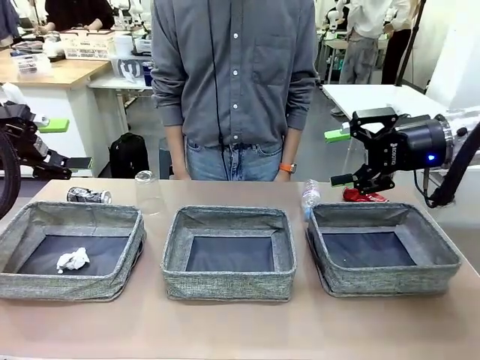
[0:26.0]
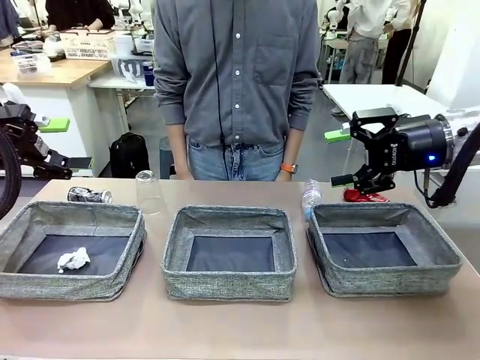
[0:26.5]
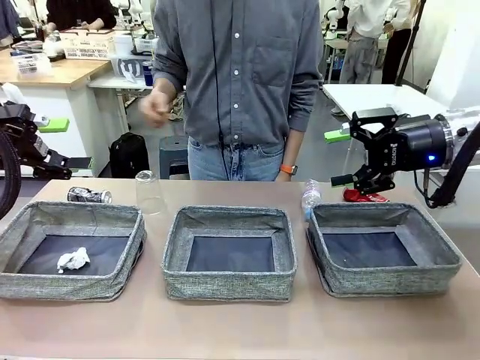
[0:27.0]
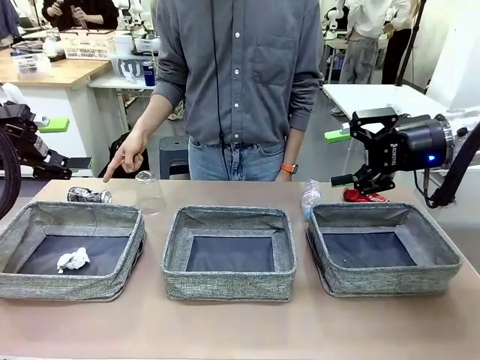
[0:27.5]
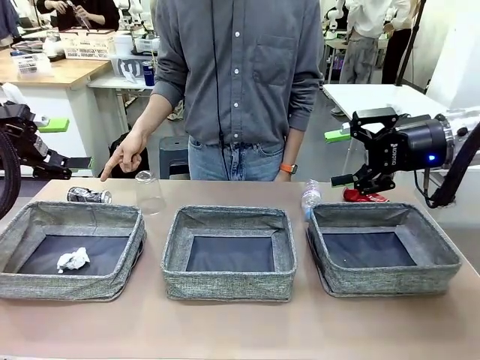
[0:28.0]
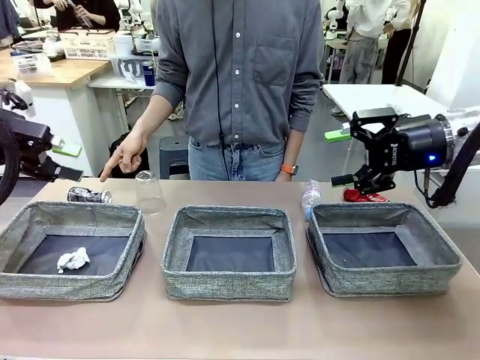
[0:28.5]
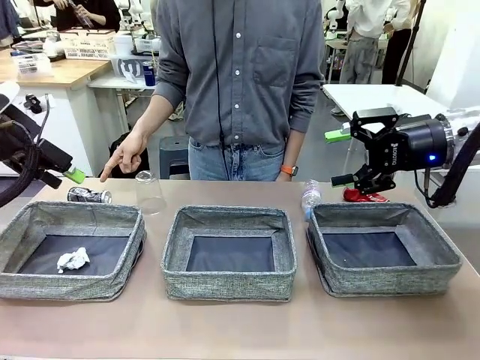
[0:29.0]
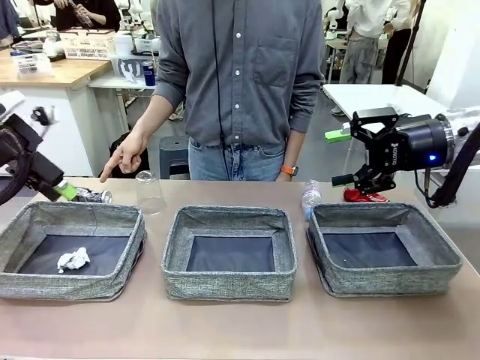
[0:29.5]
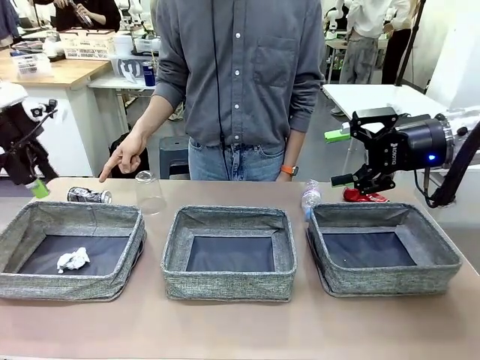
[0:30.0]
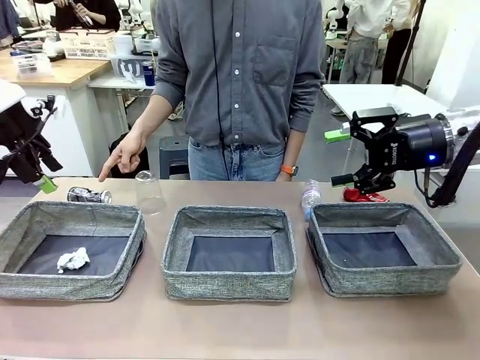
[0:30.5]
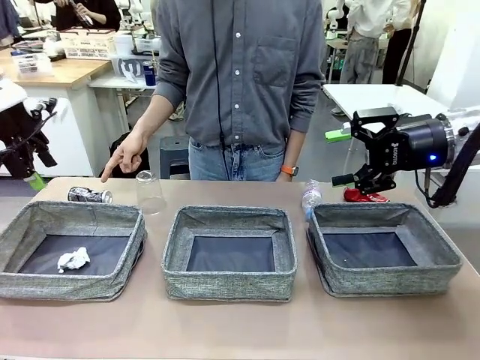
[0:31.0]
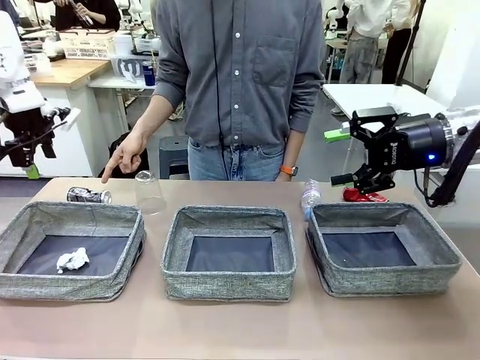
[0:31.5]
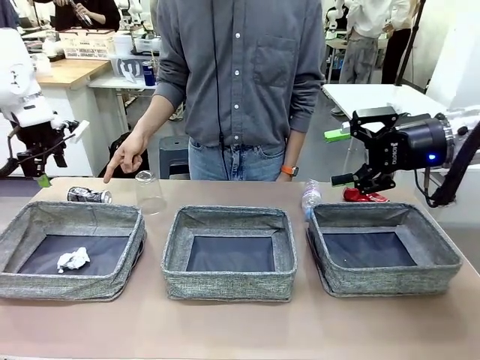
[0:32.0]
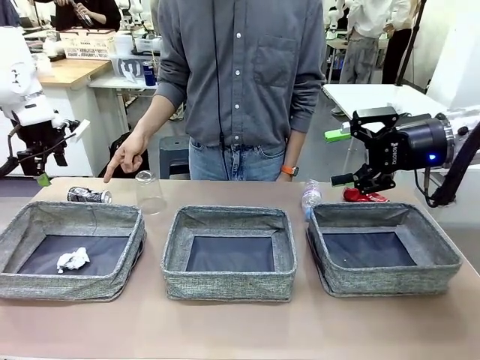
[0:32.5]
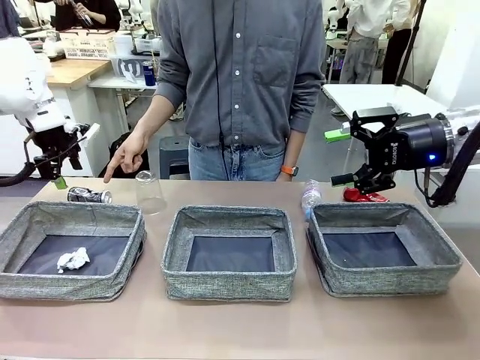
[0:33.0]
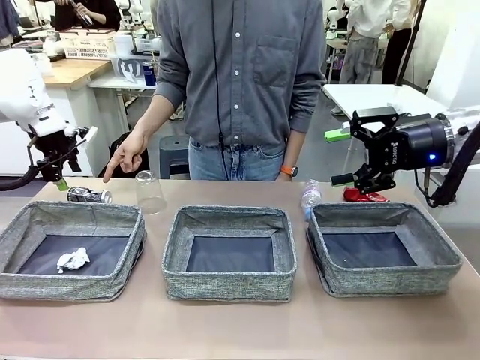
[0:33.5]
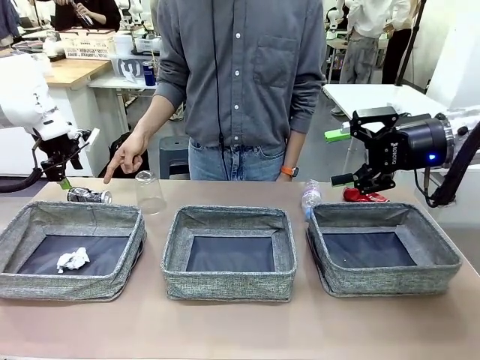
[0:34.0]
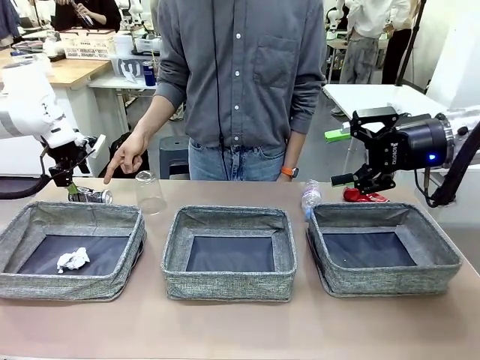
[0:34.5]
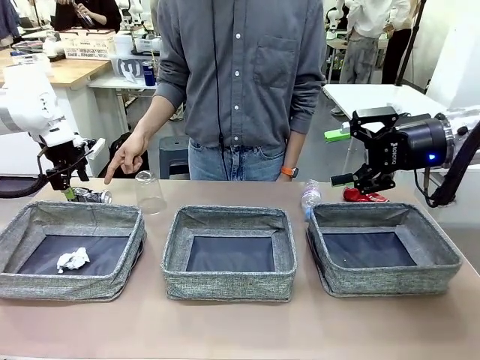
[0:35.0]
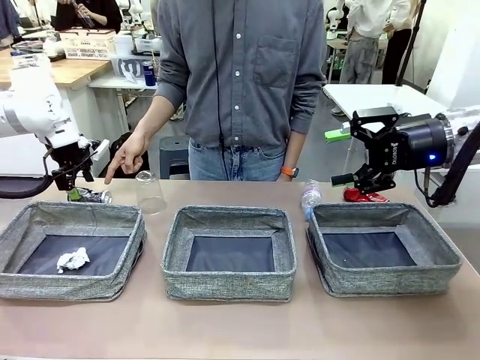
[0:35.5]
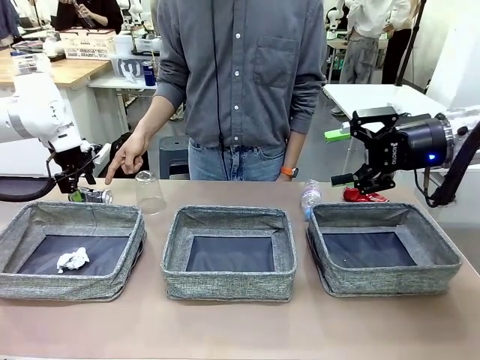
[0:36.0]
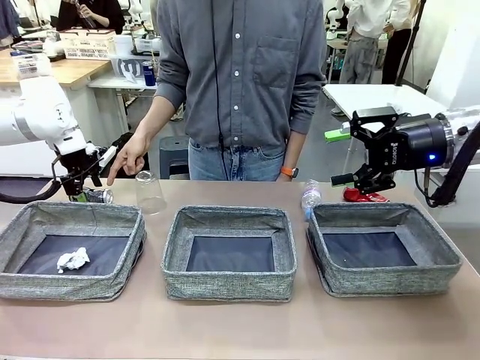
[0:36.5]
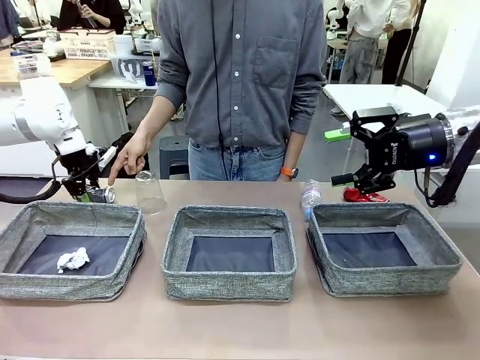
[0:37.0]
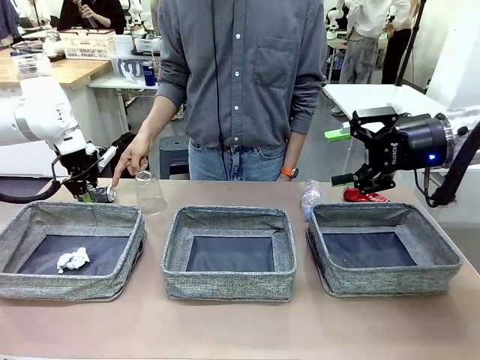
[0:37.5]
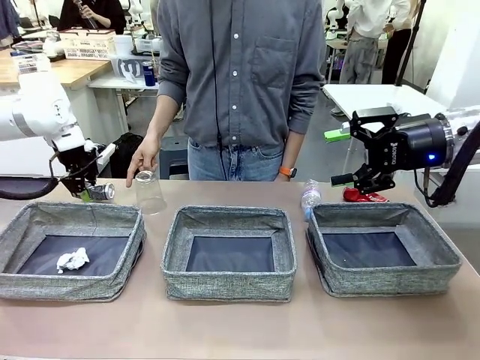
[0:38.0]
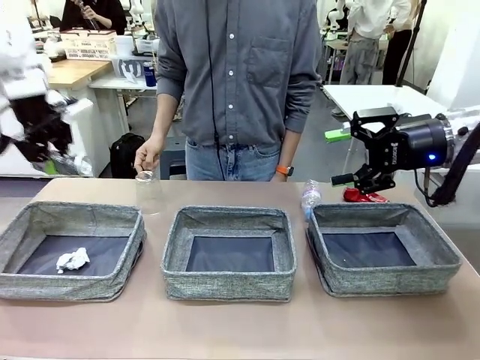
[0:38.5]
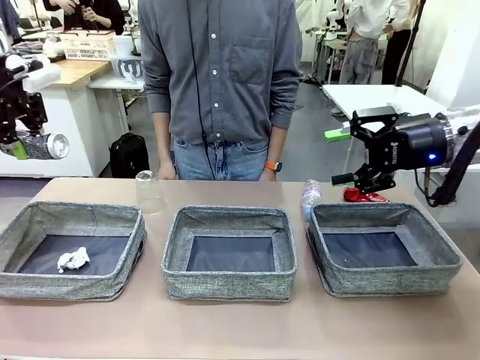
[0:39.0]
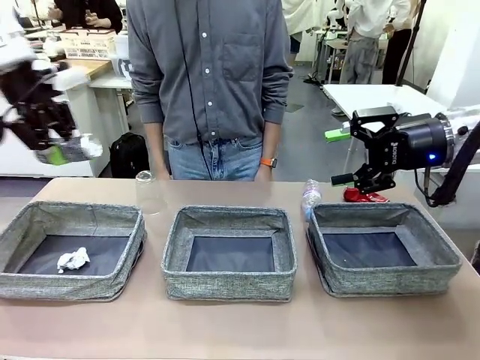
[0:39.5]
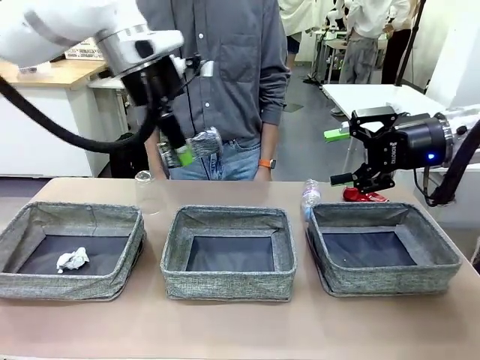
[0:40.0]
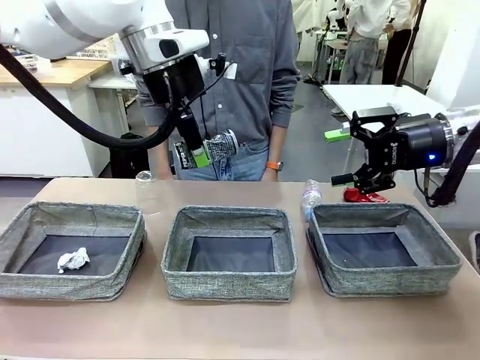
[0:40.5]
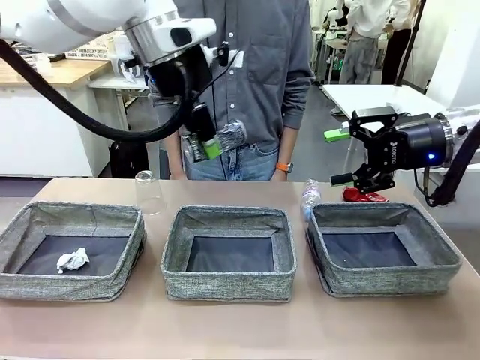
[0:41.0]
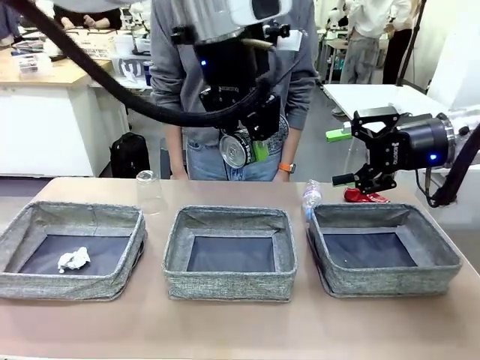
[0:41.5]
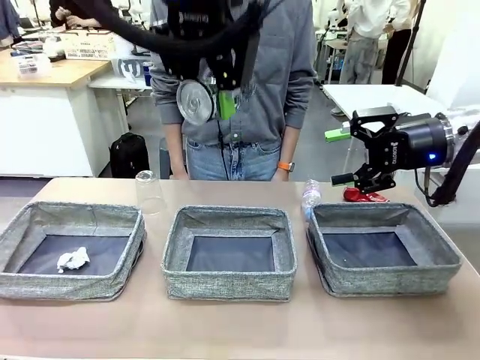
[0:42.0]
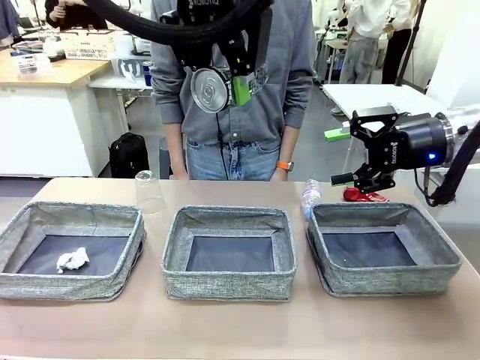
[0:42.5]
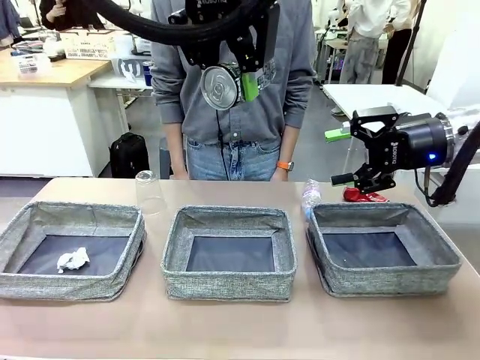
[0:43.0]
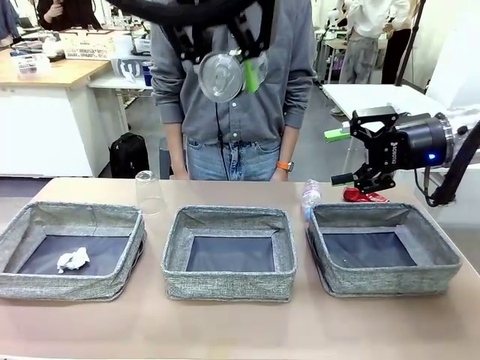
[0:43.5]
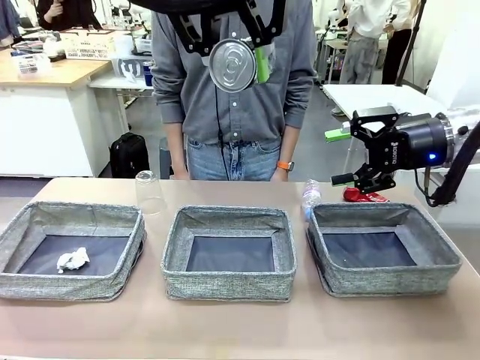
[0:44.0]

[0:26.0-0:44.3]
Task: Sort the waste into the appropriate baskets.
Robot: Pick up the waste item pointed out by the person.
Person: Points to one piece of trash on the table.

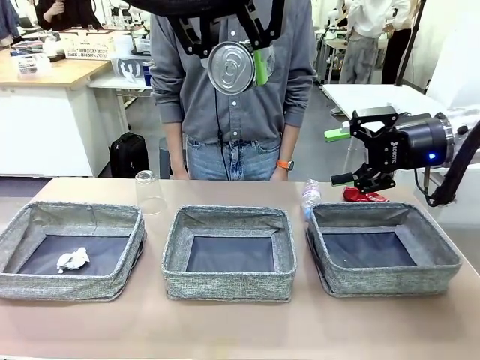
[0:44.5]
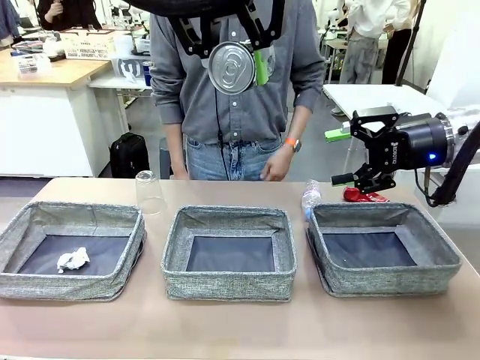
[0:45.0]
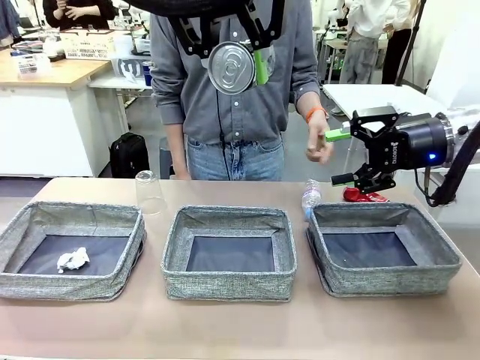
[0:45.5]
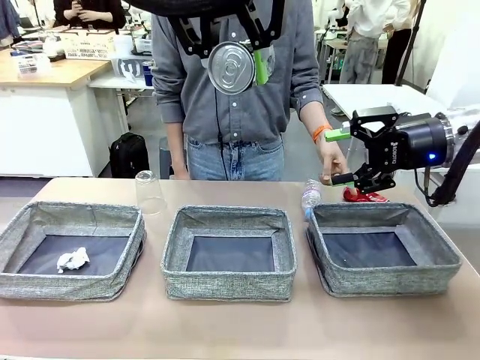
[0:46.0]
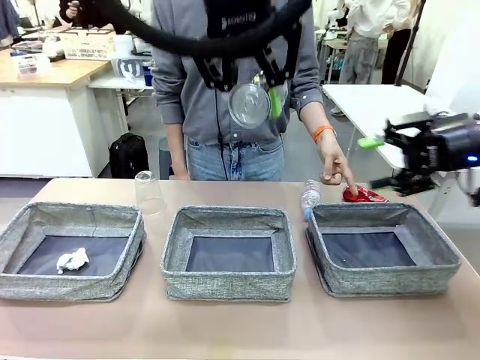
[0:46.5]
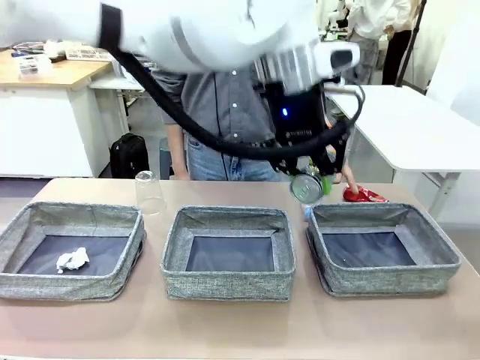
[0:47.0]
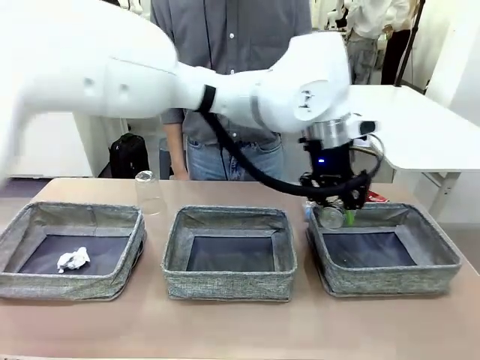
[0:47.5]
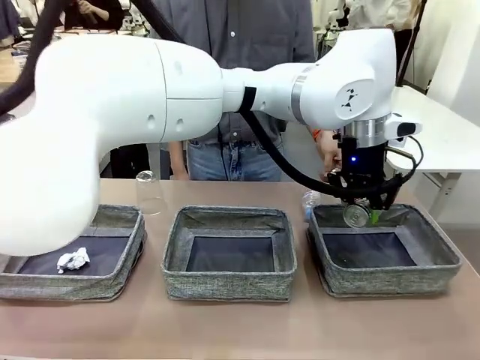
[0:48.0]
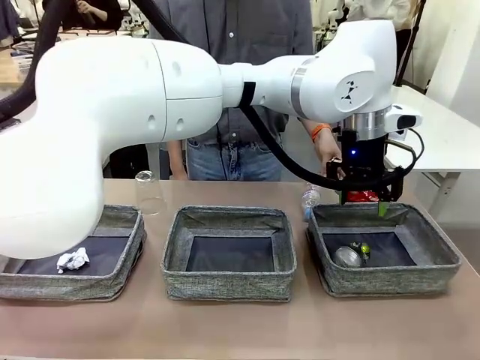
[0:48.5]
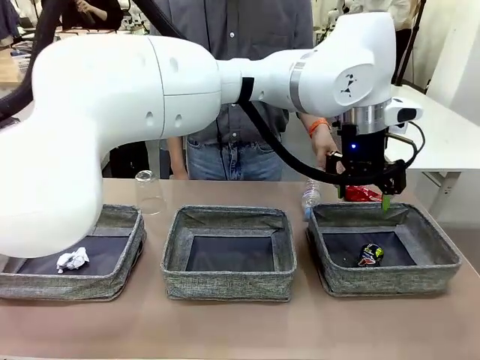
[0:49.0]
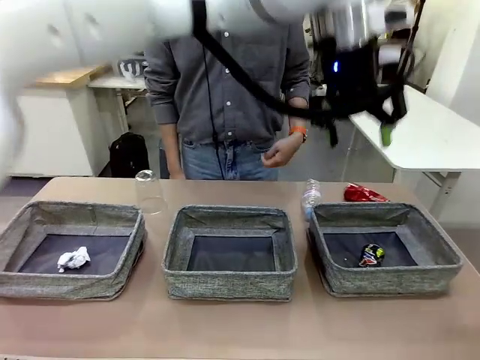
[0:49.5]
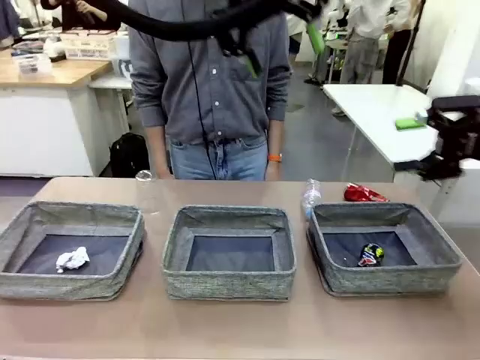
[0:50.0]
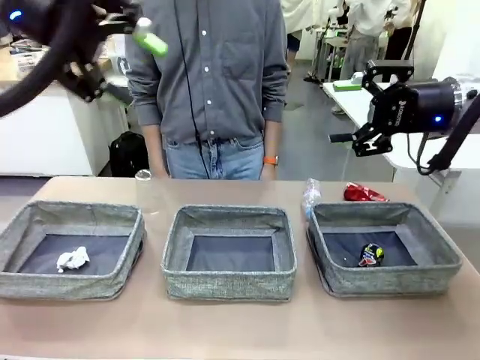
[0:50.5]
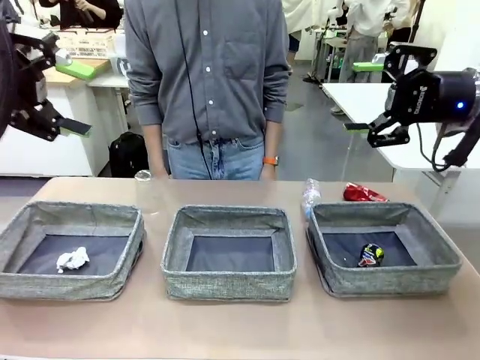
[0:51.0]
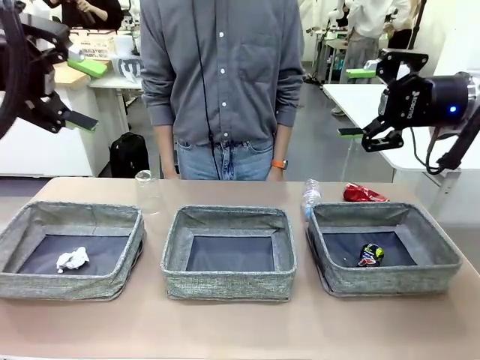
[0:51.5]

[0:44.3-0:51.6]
Robot: Place the picked waste into the Fabric basket indicated by the person.
Person: Instructs the robot to place the picked-up trash into the appropriate organizing basket.
